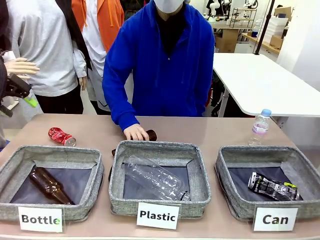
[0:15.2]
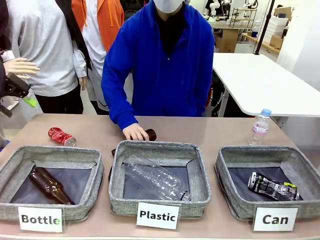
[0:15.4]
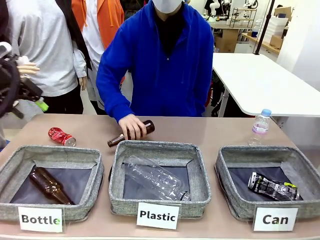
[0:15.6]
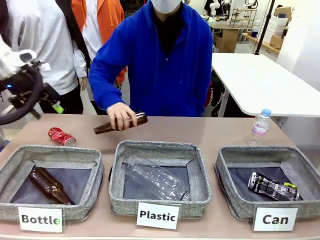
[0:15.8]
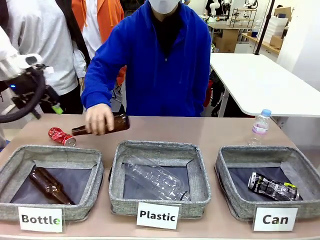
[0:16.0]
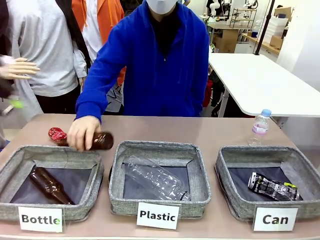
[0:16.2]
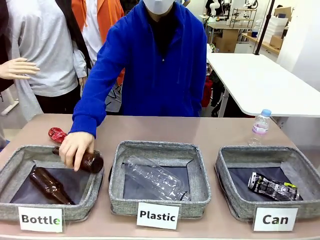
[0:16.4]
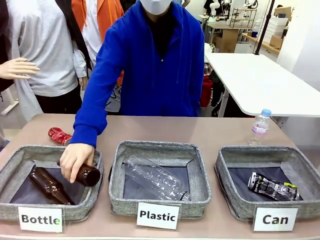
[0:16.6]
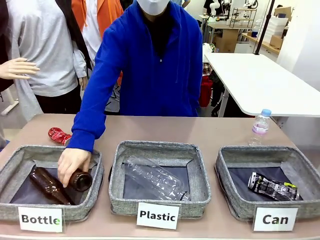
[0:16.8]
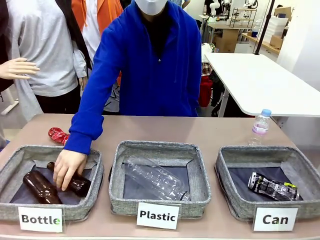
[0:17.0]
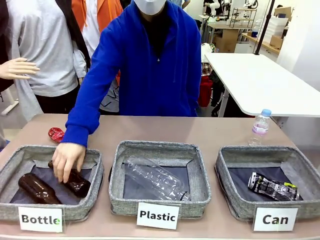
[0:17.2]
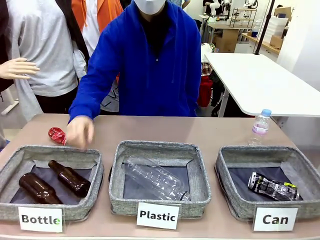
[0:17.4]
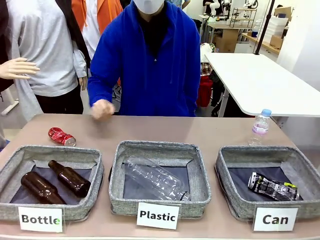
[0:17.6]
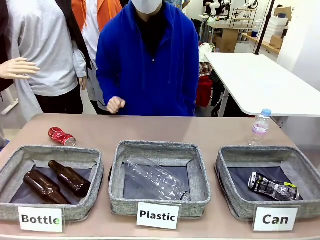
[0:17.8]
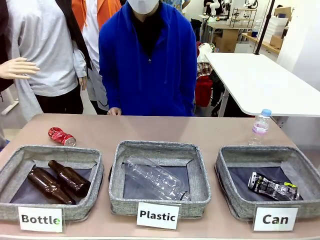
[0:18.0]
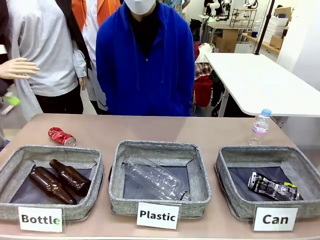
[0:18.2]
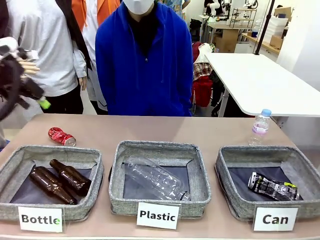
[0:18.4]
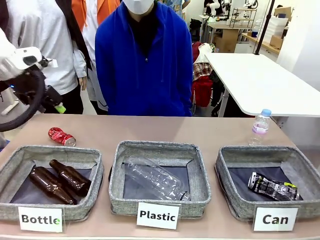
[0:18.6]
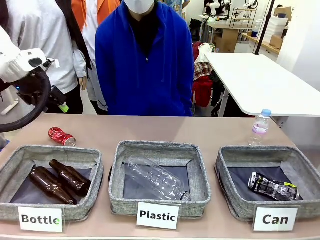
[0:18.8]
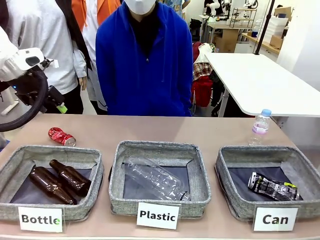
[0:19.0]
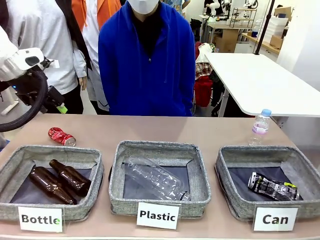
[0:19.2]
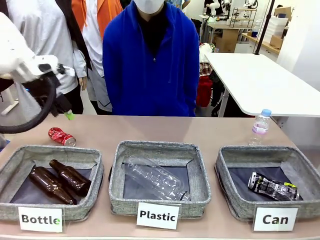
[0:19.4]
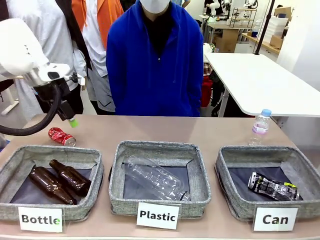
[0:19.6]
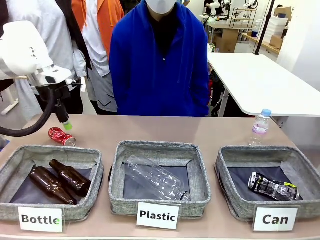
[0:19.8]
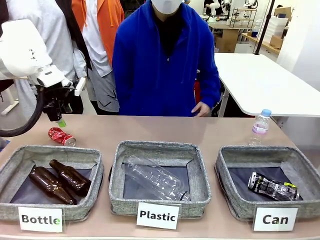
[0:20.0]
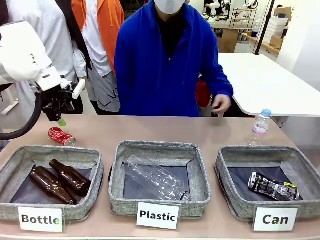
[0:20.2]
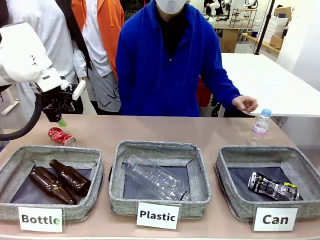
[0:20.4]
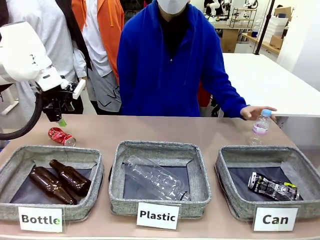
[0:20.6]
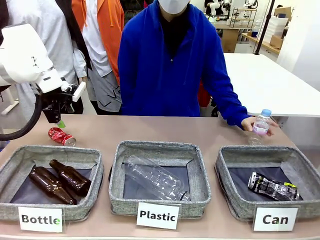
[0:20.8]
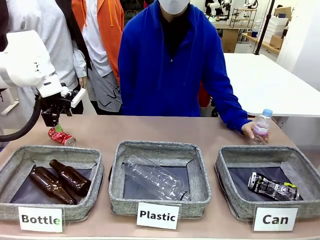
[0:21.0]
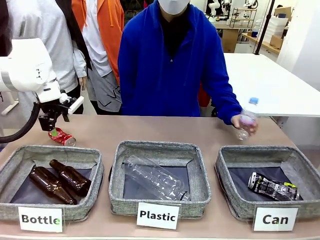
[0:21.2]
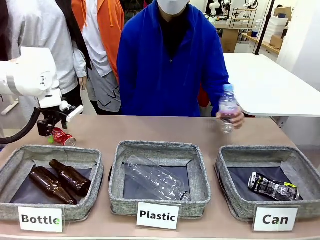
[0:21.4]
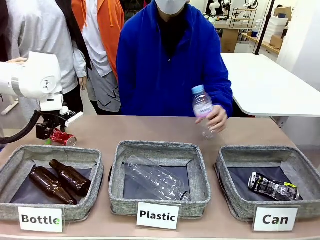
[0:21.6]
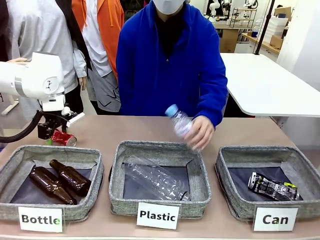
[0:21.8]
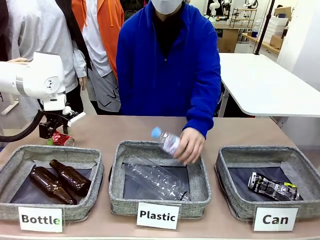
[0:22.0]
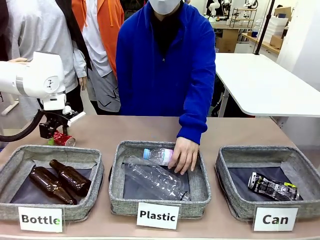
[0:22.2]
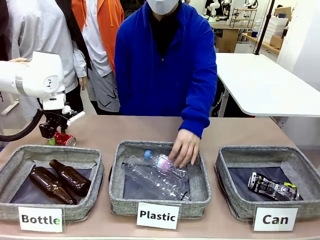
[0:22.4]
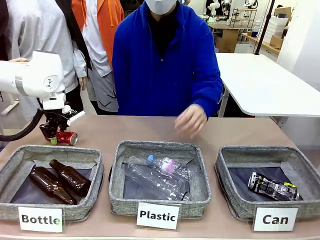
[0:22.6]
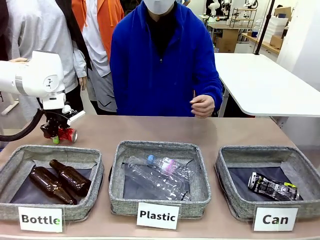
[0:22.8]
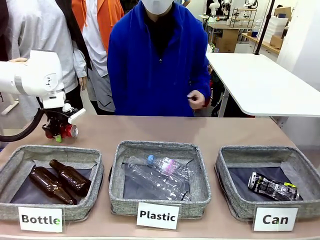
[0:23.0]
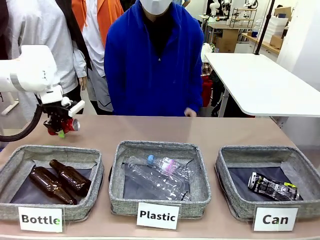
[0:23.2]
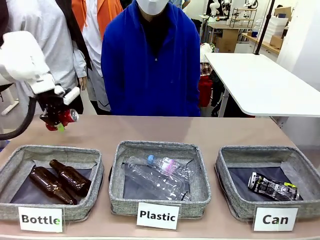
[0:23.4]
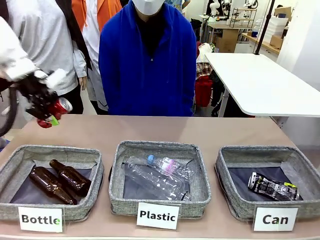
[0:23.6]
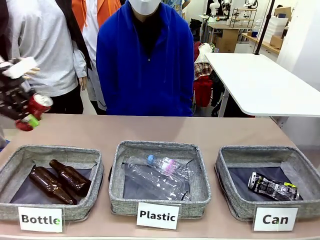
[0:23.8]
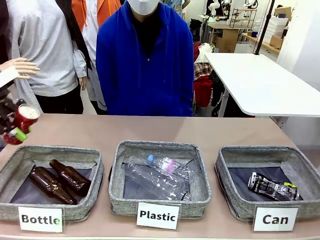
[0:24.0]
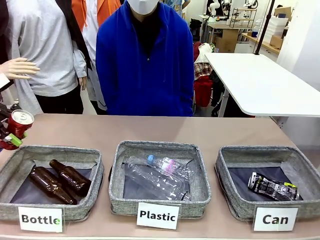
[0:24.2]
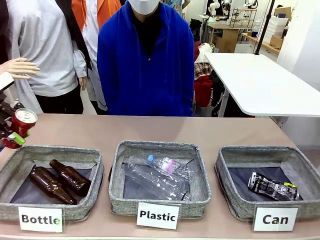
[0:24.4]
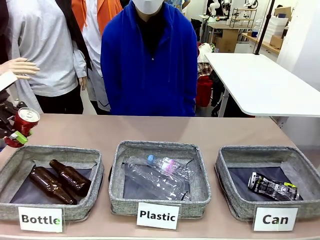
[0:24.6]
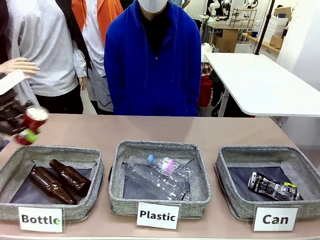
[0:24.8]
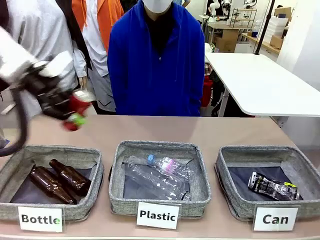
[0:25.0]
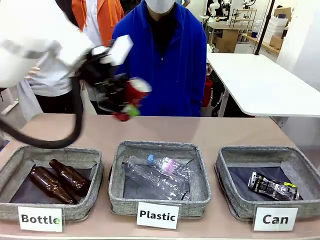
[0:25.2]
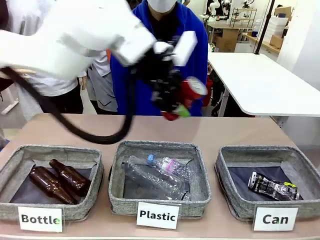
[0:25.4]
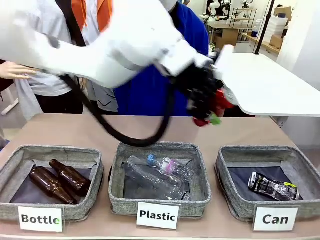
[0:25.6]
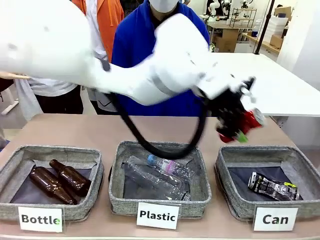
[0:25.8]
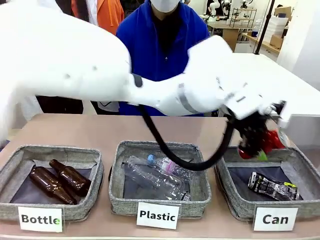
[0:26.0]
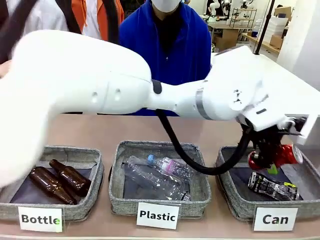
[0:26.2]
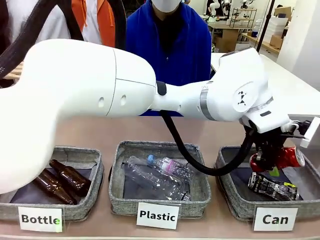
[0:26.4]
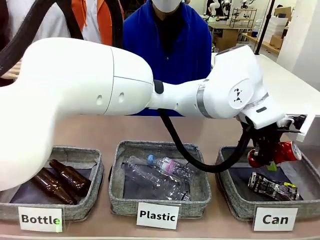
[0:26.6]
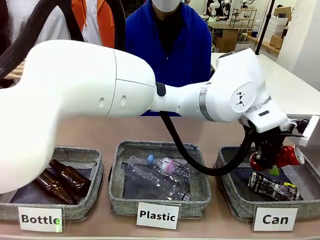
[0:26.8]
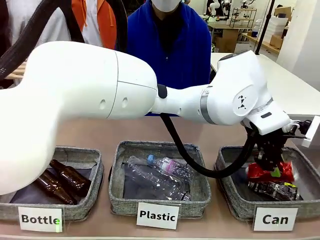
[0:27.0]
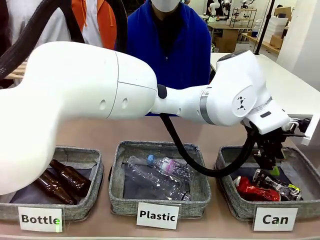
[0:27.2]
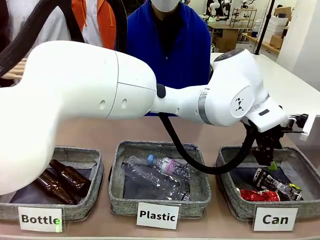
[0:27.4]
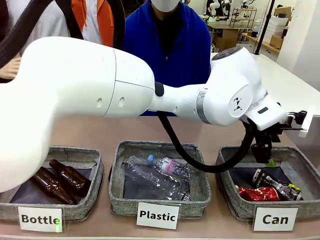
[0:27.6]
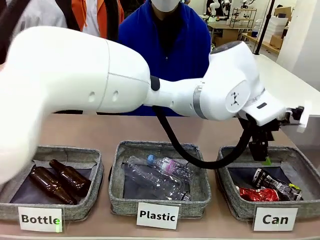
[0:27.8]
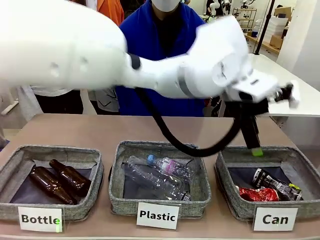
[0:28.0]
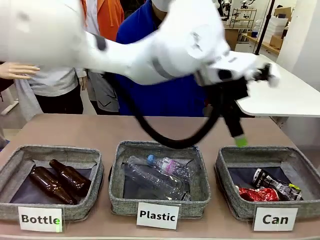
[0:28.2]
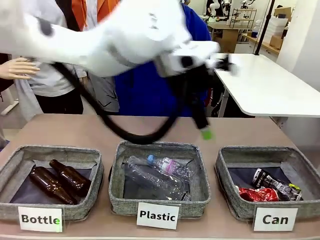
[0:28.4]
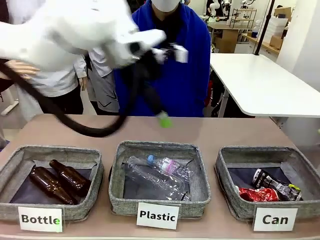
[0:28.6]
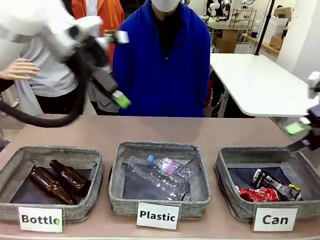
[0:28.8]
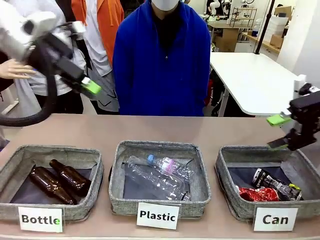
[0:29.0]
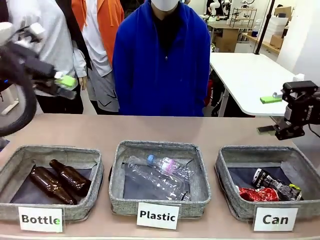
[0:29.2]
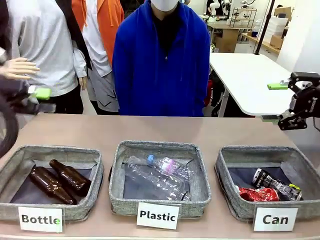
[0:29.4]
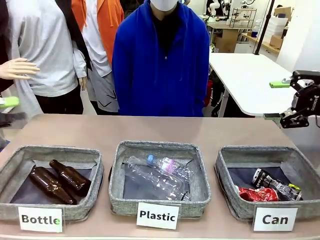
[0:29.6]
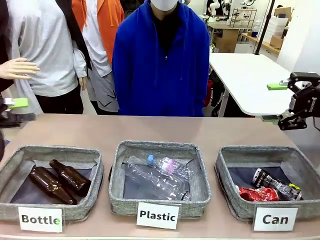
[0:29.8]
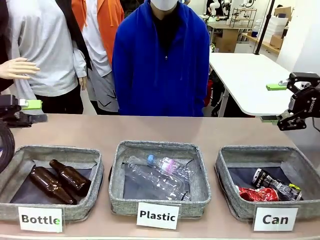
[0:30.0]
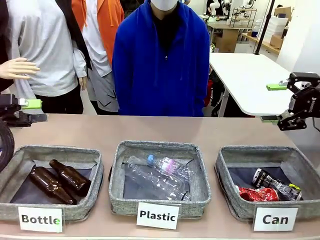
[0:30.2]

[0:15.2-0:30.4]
Task: Sort the can waste into the basket.
Robot: Pick up the can waste from the table and place it in the right Fabric basket.
